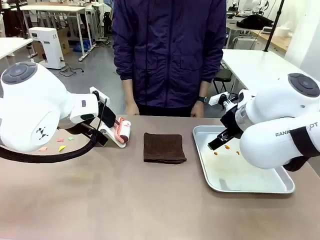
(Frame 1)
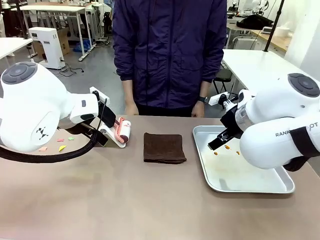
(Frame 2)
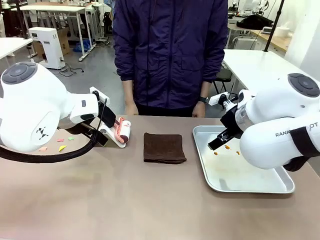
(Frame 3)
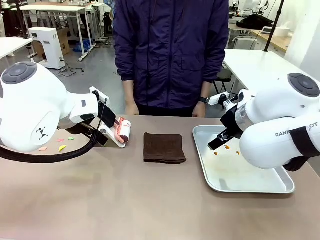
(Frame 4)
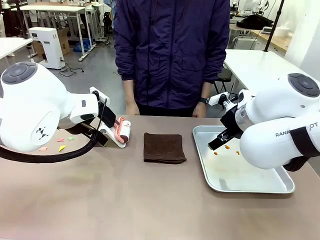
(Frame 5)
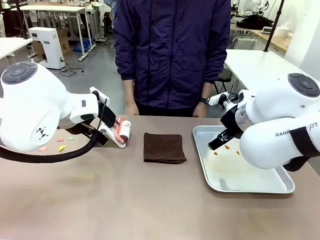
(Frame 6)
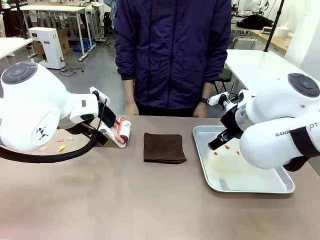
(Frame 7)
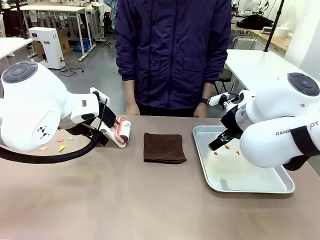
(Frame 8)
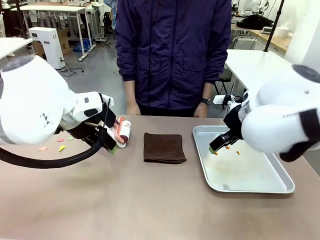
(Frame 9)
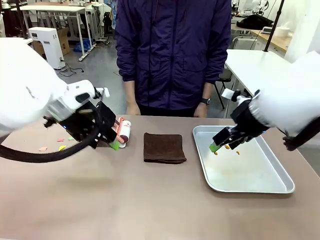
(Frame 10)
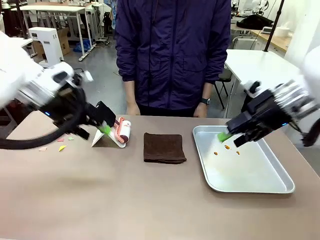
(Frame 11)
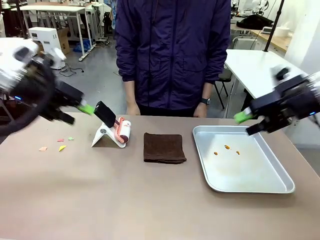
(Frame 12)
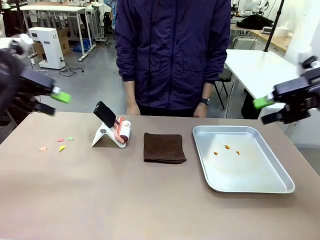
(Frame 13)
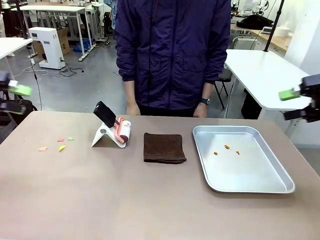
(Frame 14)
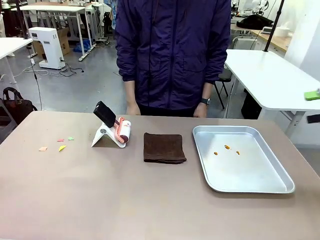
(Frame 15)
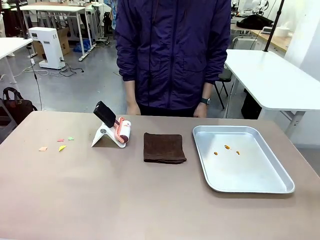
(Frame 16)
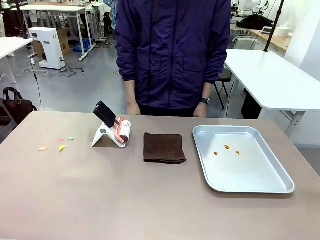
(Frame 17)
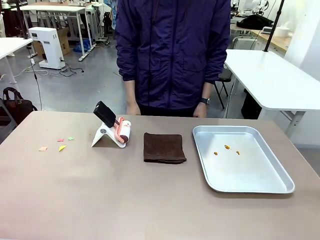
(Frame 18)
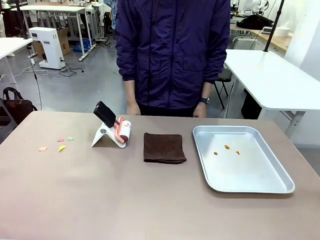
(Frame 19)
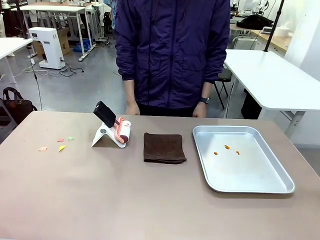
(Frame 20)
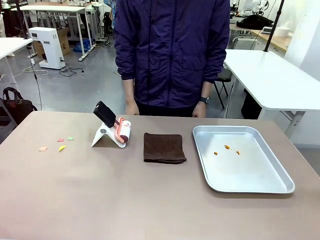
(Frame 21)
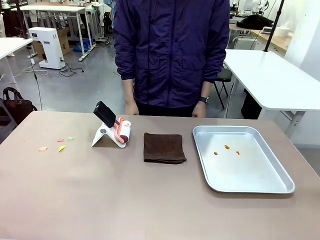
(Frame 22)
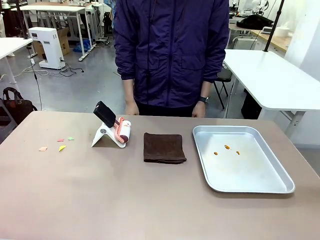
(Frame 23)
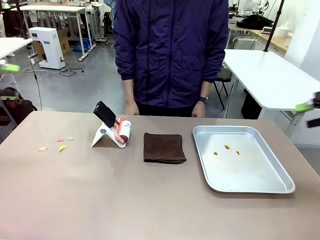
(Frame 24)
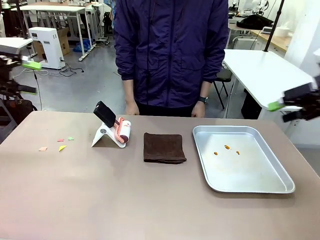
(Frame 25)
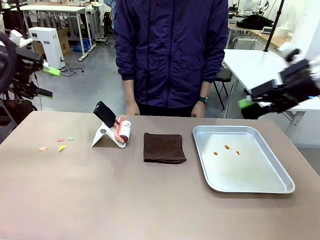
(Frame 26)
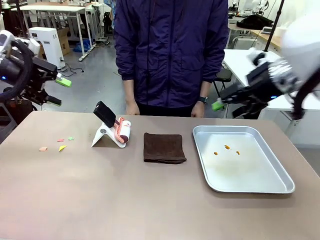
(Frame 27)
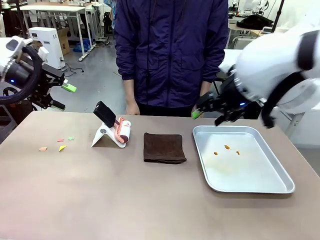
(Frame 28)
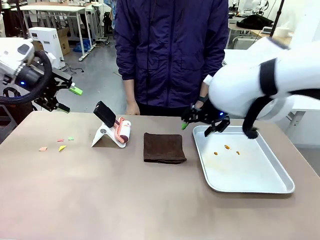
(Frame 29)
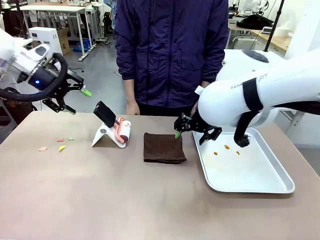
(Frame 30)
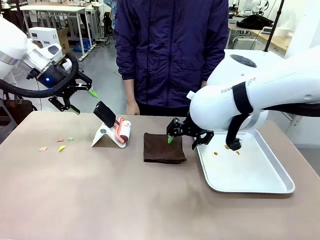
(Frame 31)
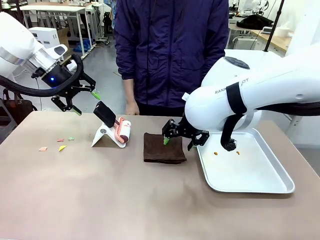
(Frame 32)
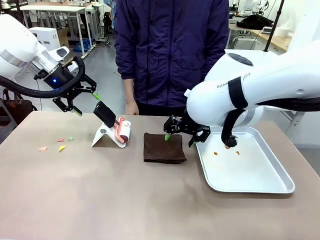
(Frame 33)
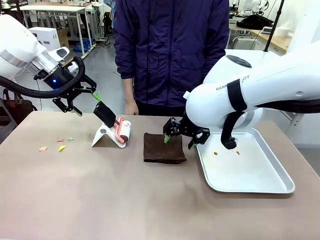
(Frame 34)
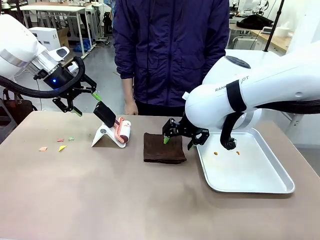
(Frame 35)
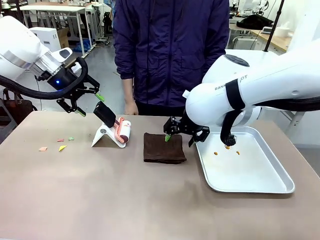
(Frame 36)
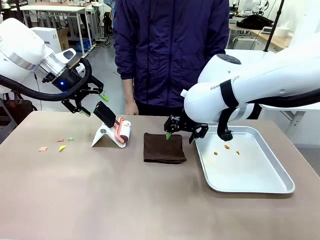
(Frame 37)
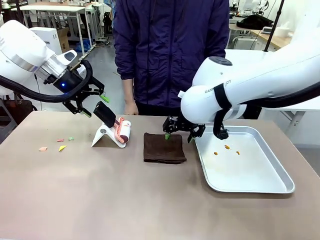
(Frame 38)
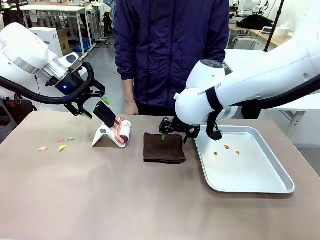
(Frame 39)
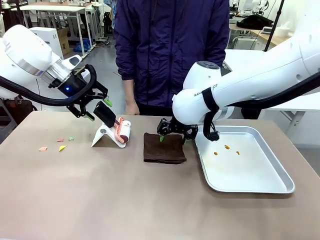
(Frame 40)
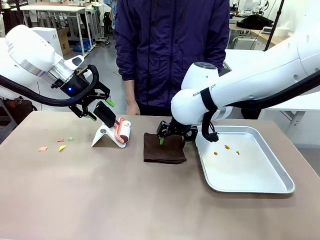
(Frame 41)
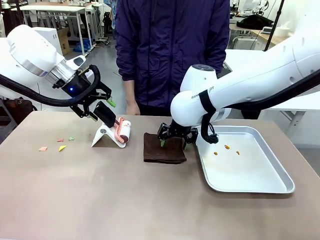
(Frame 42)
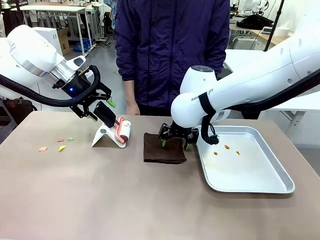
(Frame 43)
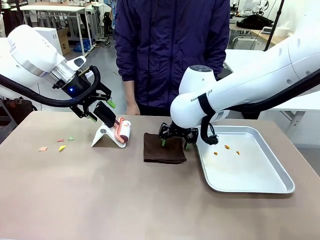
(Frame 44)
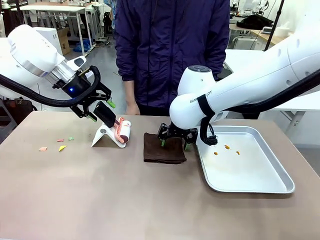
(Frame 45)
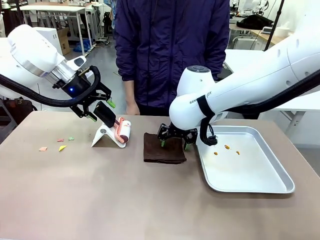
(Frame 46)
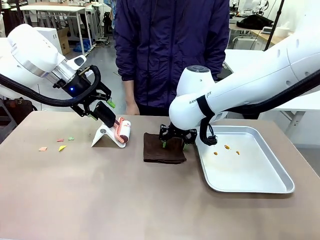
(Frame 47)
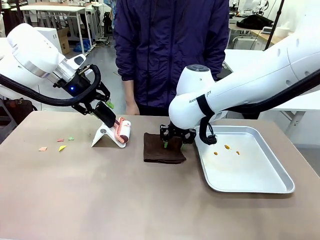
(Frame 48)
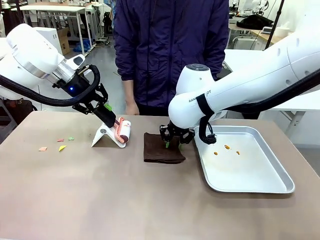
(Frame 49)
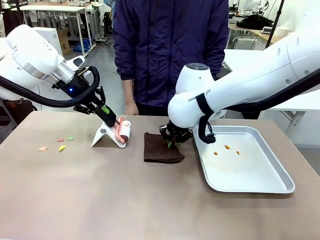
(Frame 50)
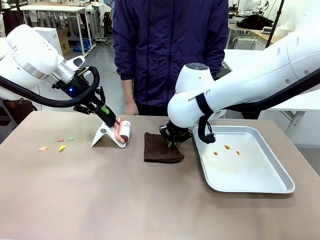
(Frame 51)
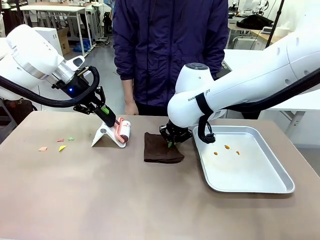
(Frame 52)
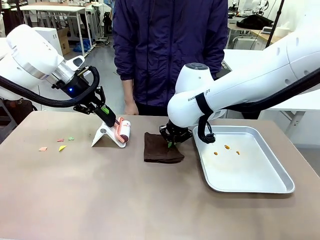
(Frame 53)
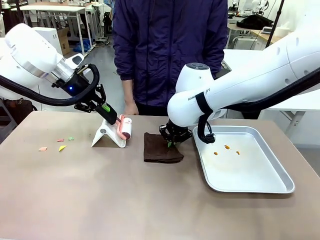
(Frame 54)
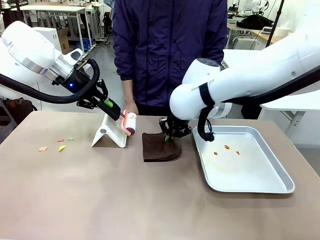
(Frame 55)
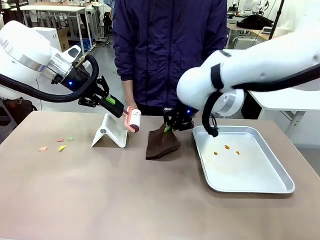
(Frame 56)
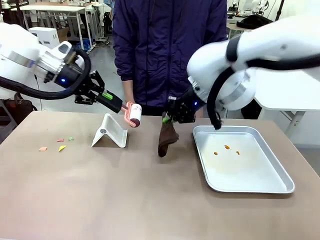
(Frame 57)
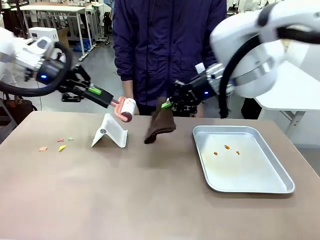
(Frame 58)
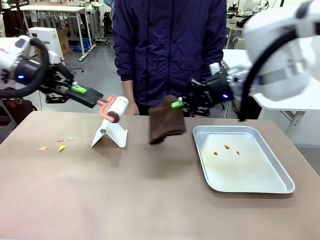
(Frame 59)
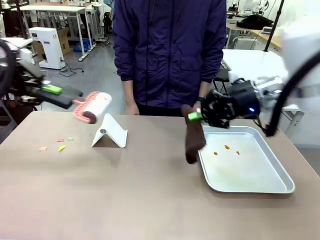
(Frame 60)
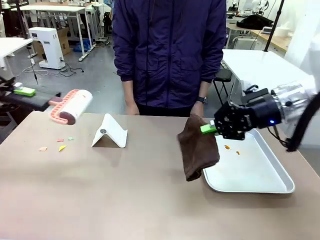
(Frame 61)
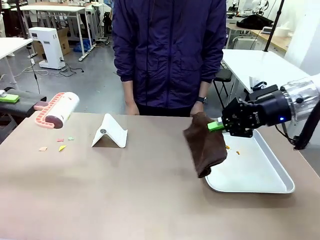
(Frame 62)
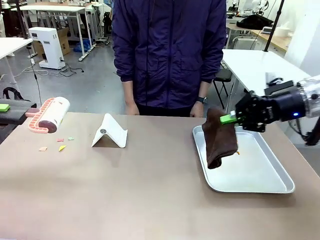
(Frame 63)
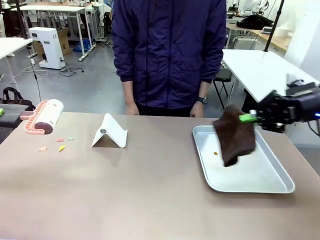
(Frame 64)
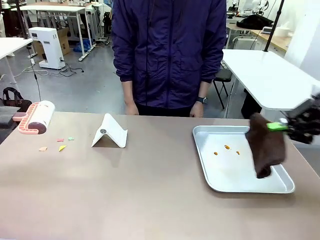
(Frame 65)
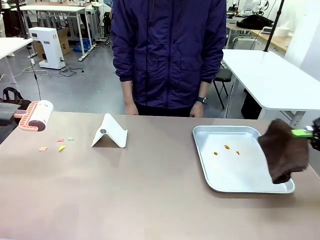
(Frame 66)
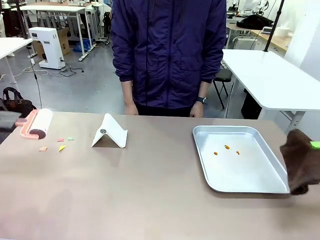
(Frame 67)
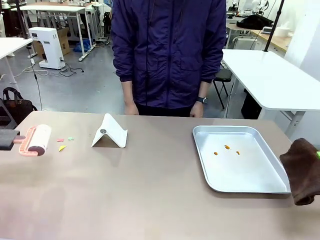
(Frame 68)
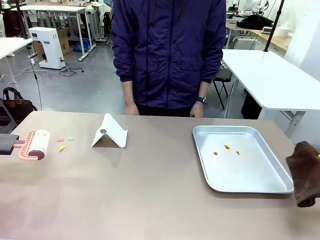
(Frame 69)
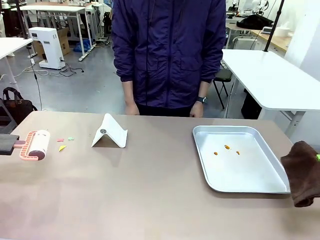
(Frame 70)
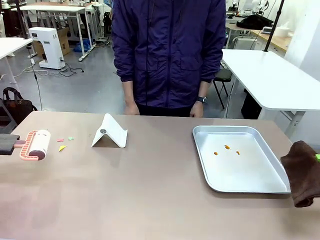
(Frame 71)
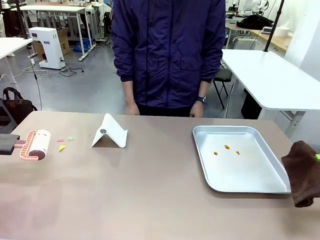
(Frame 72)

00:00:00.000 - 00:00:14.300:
Task: Clean the surface of the table.
Robot: Hold the Lint Roller with your left hand and the towel with your right hand.

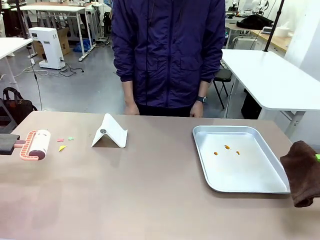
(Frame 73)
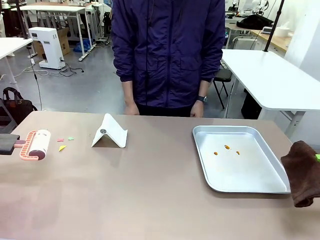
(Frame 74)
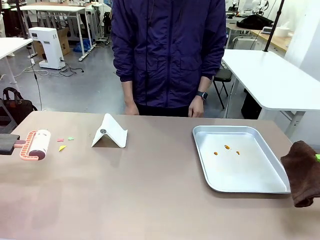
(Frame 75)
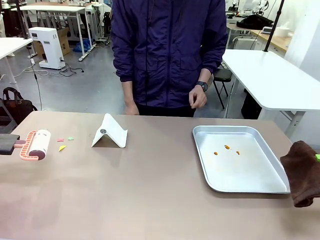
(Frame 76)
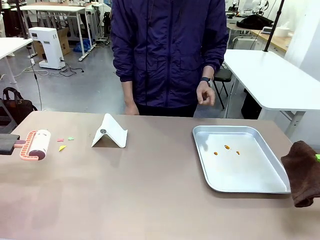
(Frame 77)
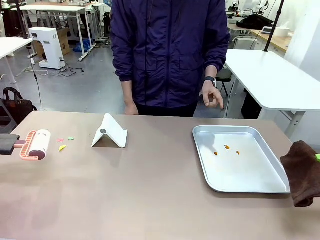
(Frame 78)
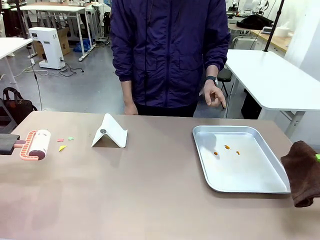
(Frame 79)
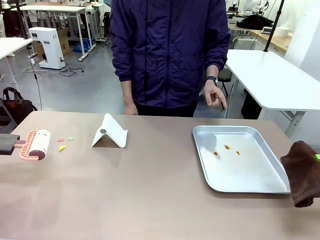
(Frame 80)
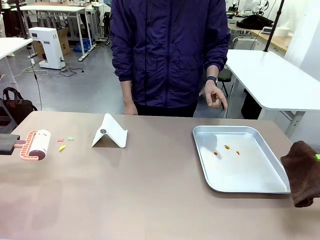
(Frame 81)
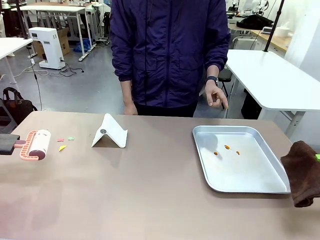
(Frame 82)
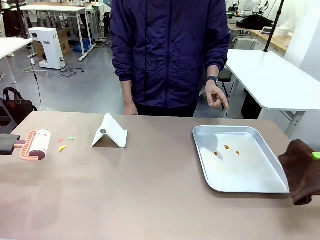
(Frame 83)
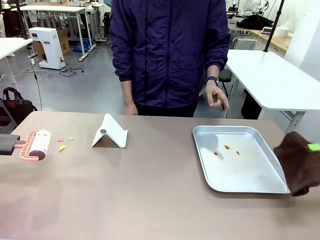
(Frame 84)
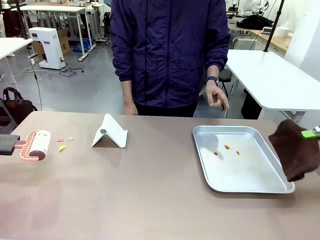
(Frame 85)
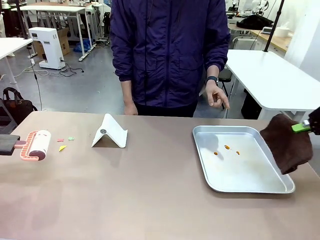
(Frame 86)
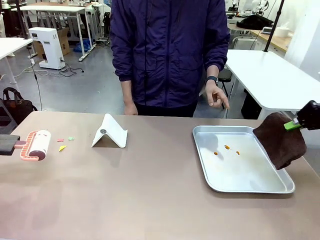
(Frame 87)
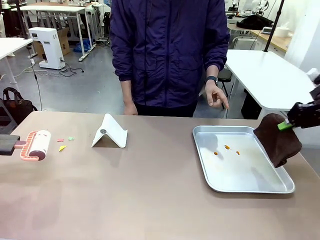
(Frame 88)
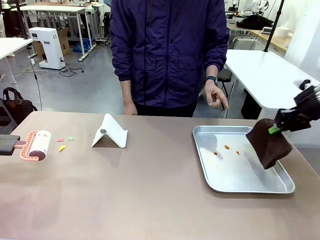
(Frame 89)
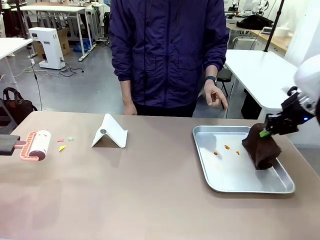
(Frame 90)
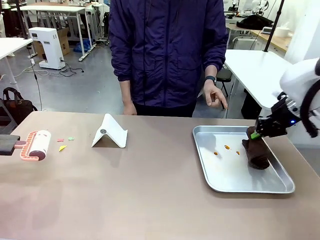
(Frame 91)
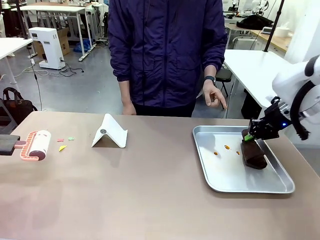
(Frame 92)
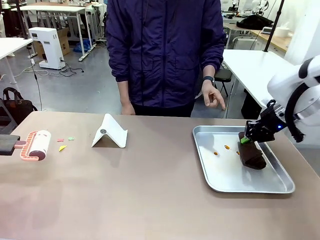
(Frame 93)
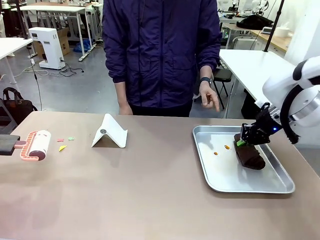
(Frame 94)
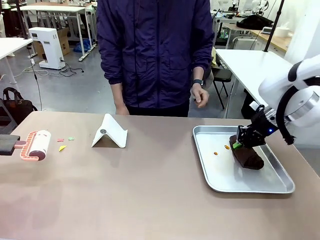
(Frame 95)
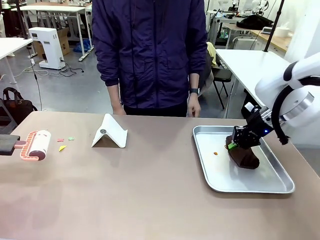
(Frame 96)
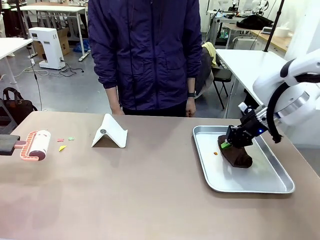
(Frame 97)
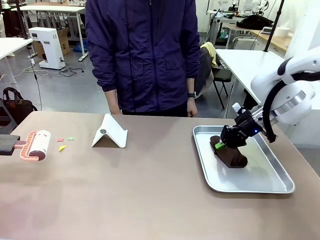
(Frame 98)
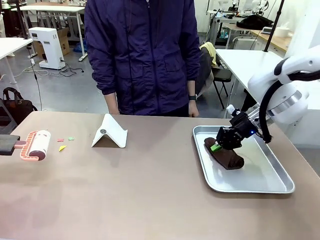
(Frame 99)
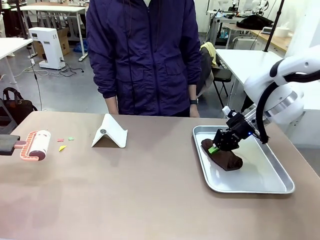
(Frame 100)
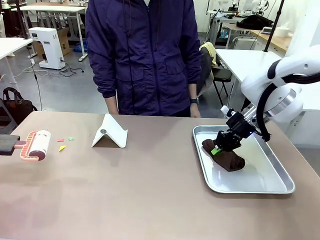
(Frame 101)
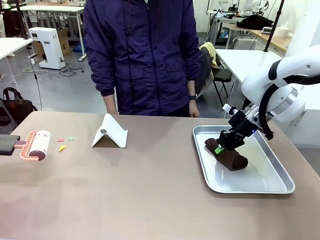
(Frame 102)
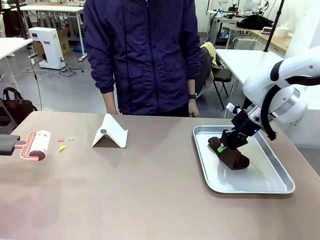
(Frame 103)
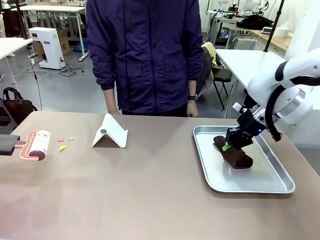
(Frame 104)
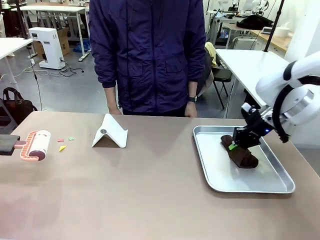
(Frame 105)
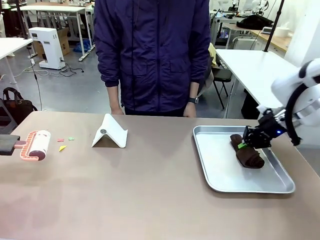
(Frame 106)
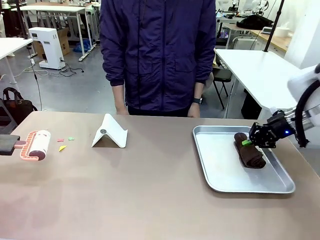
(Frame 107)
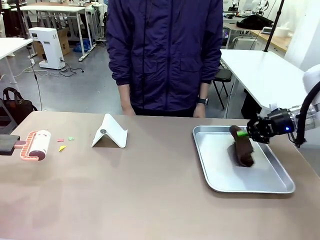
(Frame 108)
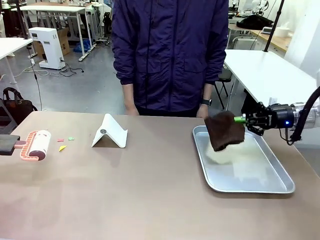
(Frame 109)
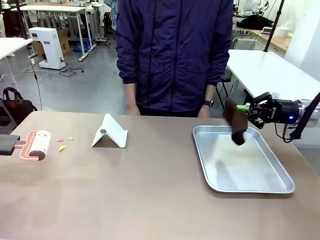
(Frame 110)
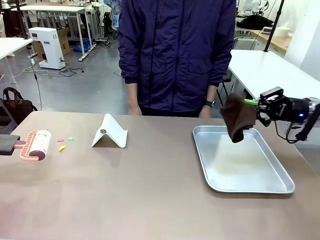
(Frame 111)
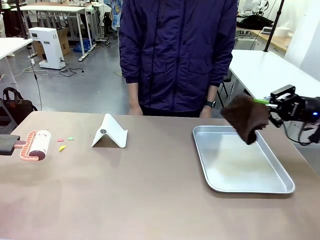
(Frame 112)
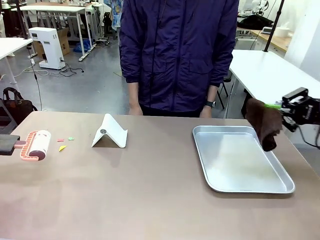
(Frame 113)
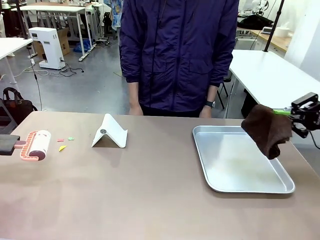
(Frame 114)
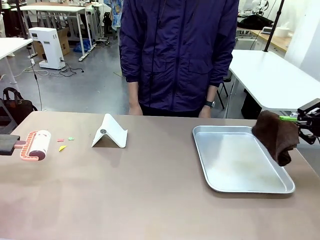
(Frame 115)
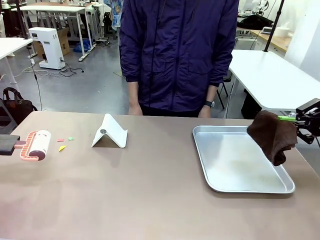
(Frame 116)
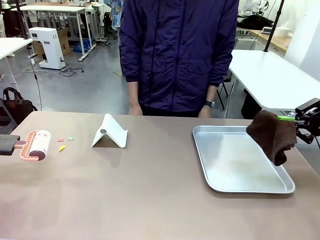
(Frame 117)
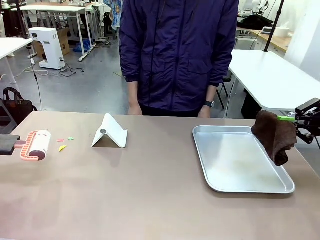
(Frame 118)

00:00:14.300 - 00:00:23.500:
Robot: If a person points to the right, clean the right side of the table with your right hand, and if they point to the left, clean the left side with your left hand.
